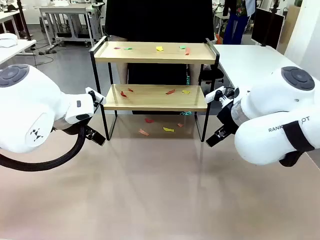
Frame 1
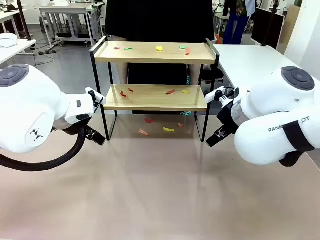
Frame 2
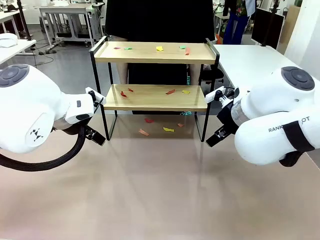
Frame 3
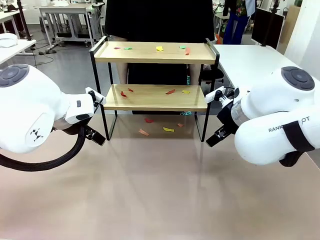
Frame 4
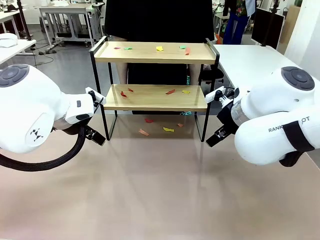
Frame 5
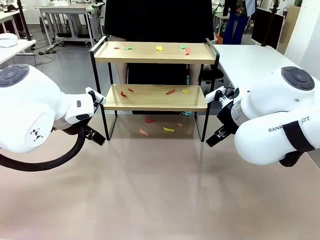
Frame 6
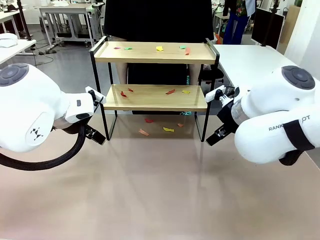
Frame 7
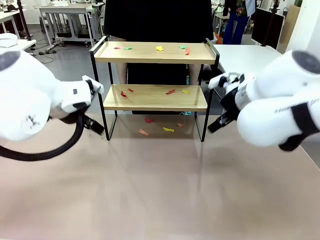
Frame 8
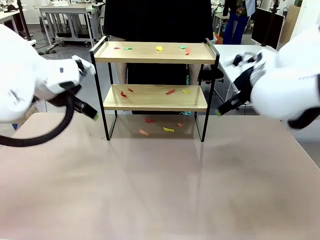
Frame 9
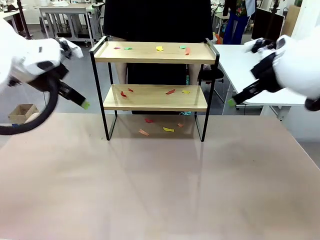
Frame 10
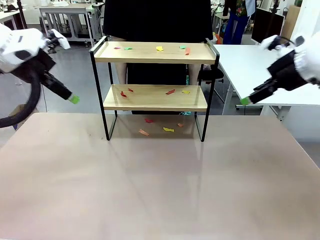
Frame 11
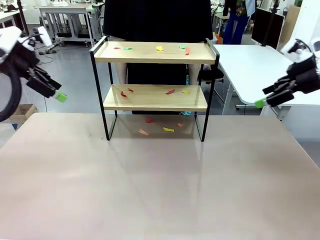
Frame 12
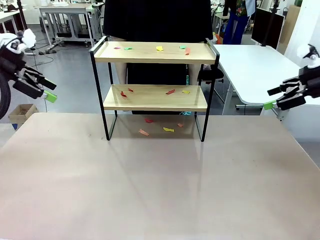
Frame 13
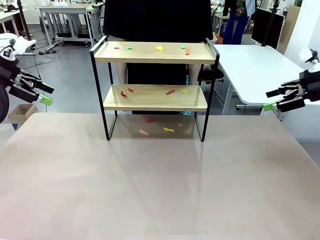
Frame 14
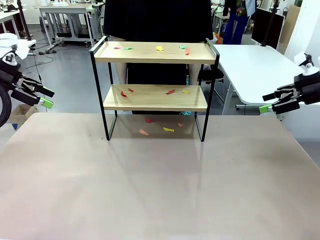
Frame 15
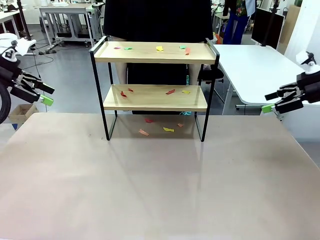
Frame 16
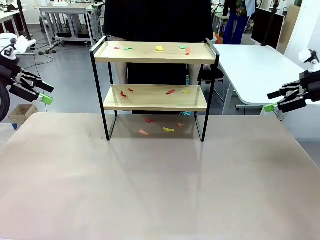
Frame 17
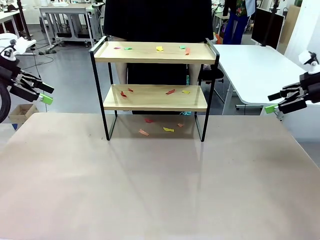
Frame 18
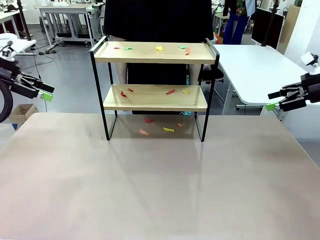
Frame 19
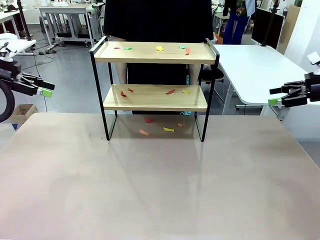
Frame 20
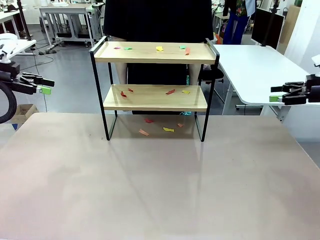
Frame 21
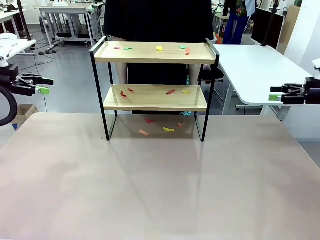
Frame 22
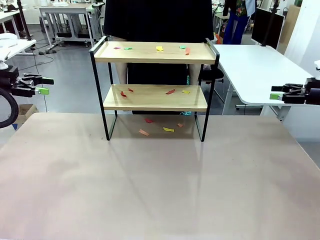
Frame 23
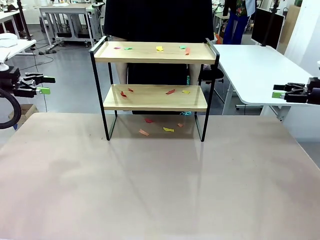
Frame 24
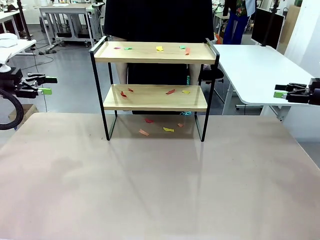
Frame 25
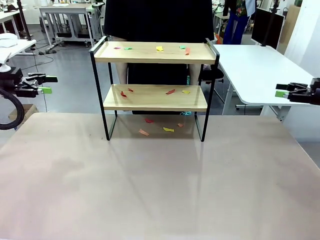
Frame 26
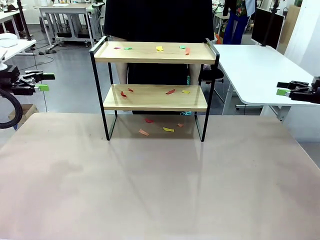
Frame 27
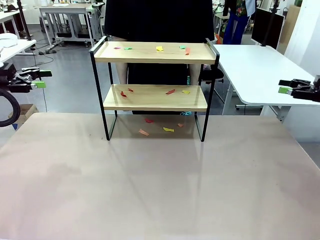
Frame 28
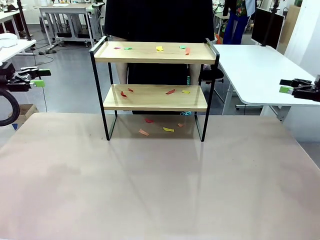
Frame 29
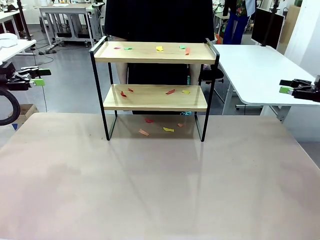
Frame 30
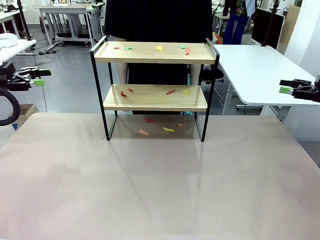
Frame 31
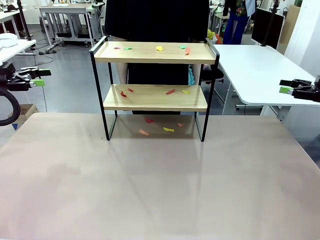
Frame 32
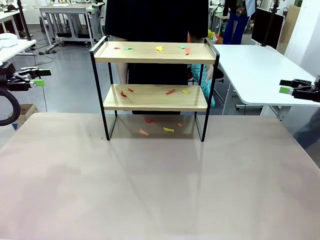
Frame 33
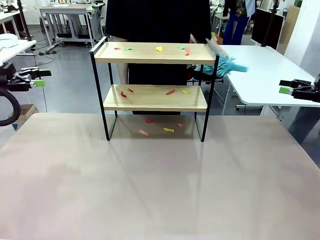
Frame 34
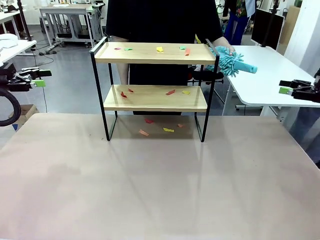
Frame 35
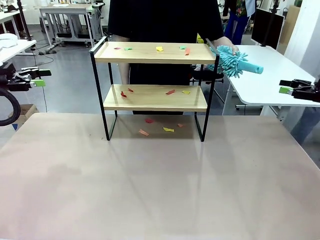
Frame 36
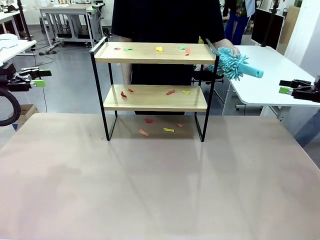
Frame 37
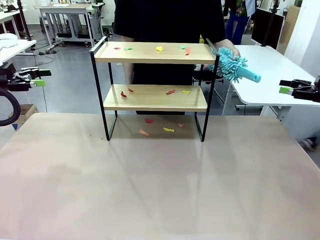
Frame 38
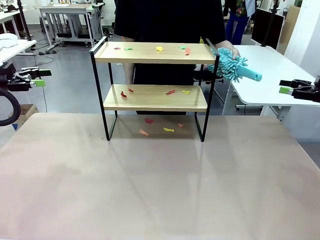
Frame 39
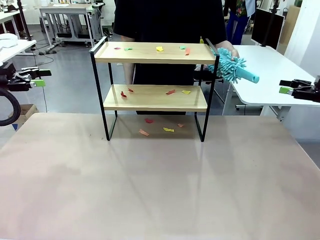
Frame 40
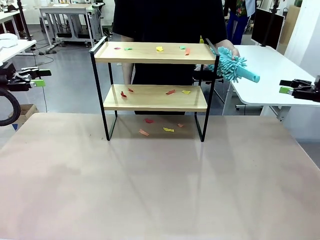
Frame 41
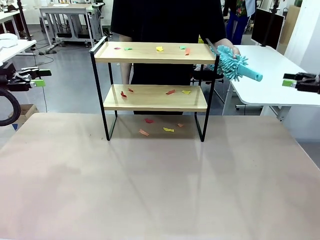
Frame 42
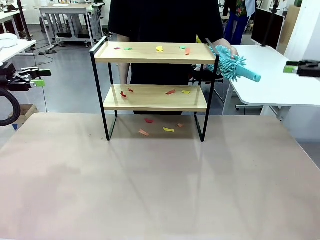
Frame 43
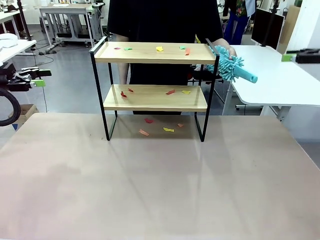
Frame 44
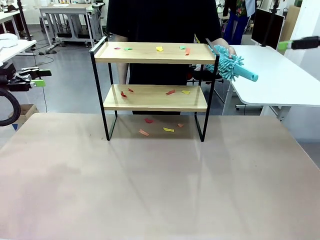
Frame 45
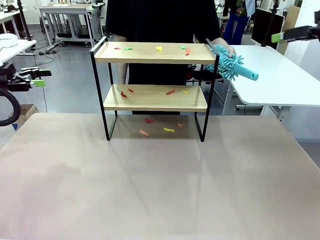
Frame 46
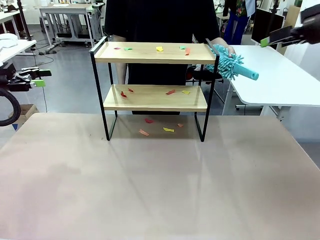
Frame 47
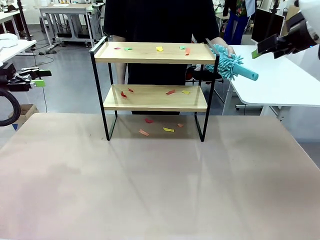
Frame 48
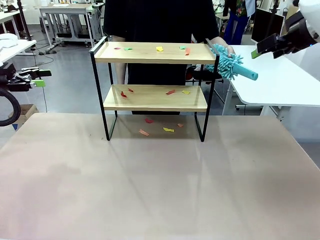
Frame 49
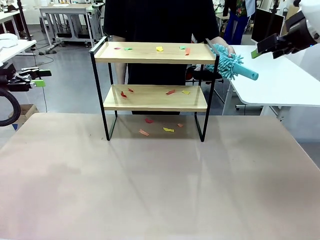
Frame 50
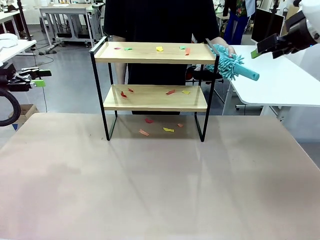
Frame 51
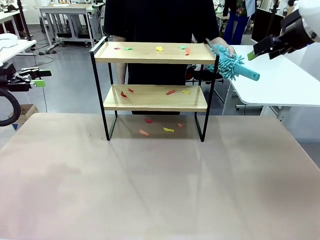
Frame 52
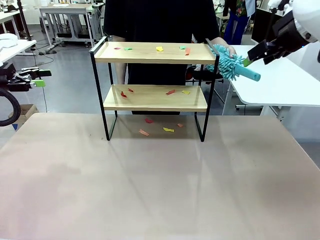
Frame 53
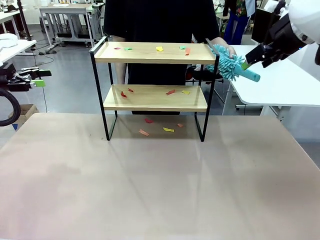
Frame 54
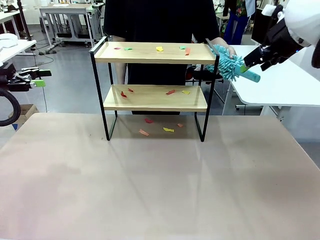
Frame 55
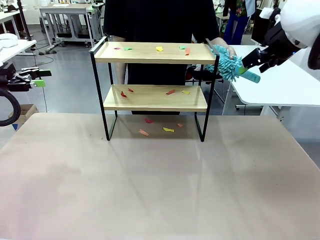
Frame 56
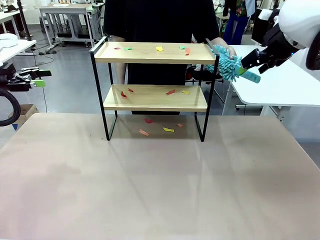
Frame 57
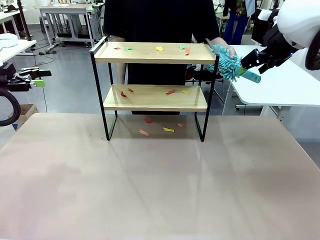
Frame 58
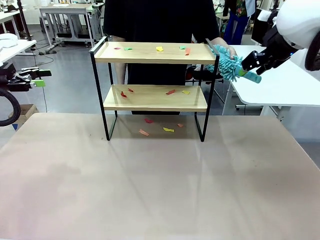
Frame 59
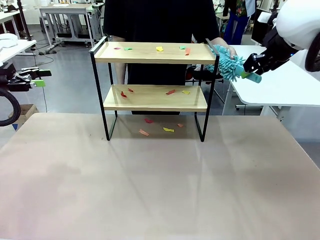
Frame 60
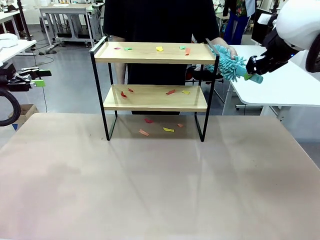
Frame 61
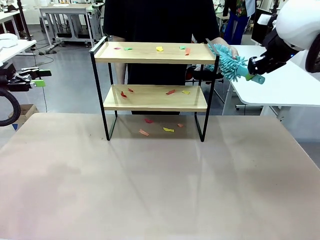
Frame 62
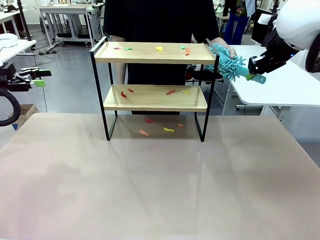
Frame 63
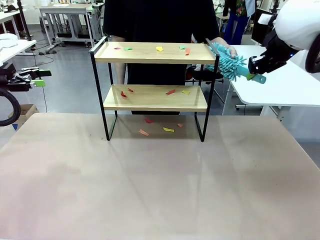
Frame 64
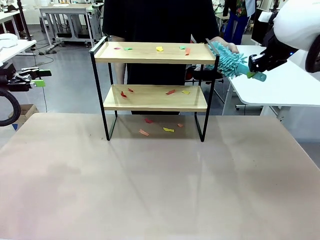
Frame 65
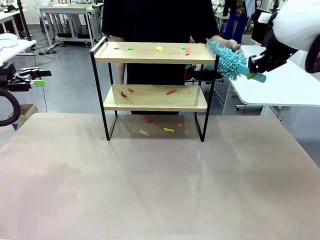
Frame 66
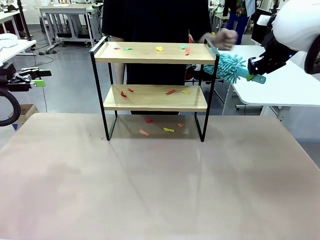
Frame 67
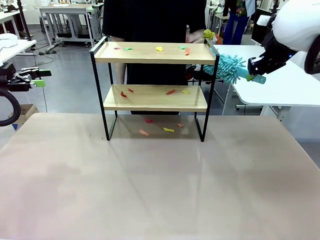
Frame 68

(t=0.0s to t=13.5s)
Task: Clean the shelf.
Robot: Pick up the Duster handed by the human.
Person: Hand the Duster to the robot.

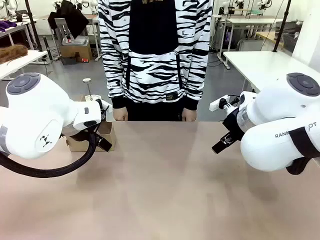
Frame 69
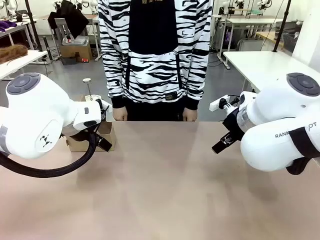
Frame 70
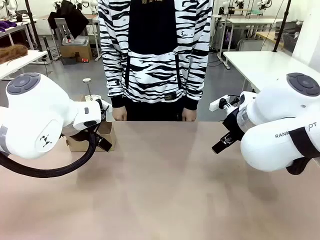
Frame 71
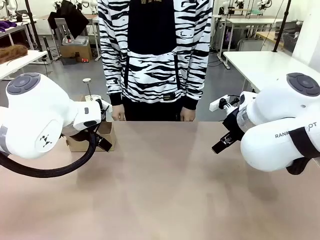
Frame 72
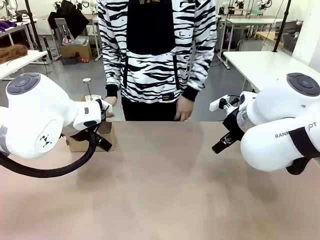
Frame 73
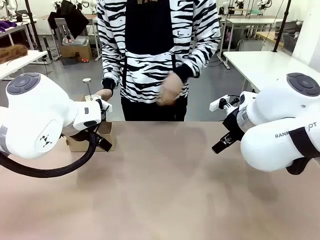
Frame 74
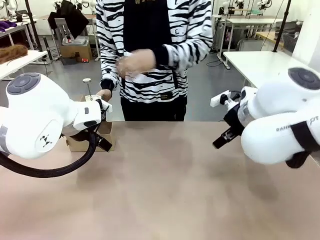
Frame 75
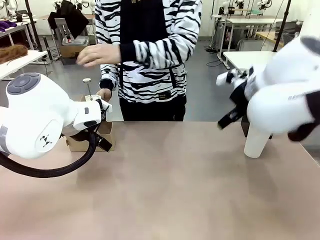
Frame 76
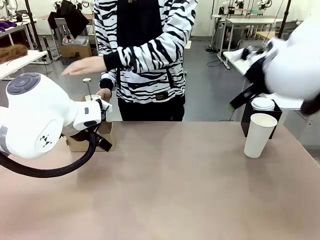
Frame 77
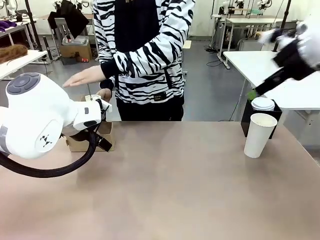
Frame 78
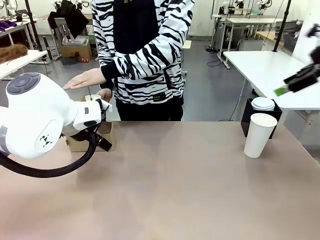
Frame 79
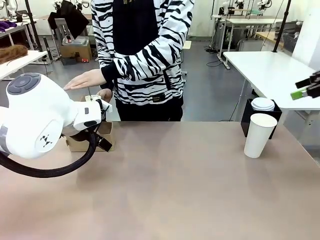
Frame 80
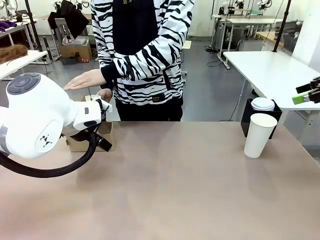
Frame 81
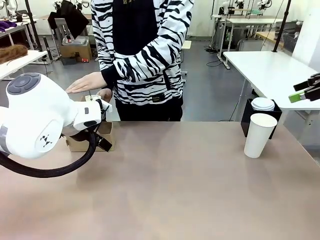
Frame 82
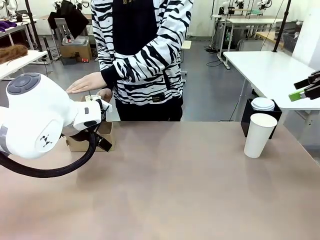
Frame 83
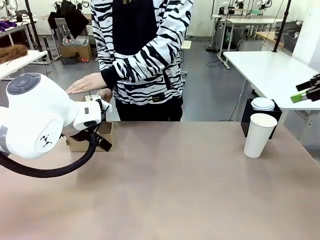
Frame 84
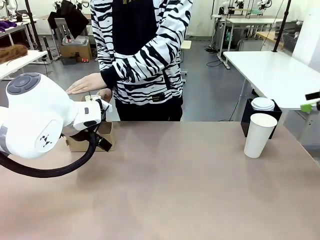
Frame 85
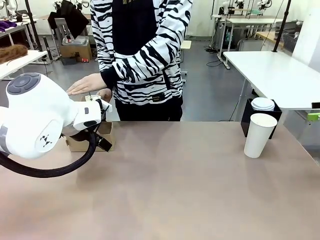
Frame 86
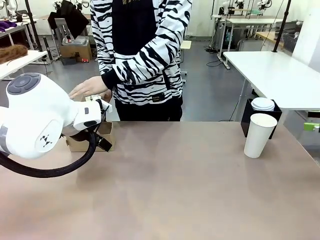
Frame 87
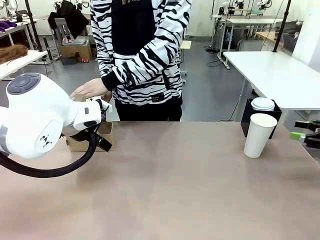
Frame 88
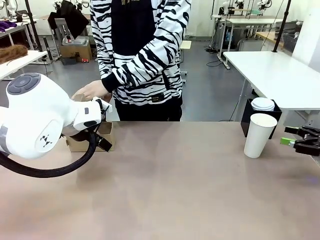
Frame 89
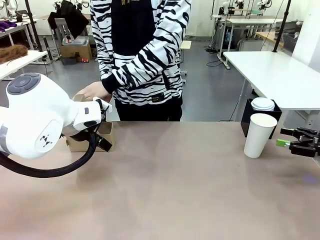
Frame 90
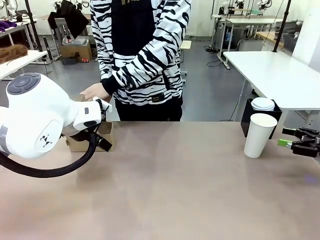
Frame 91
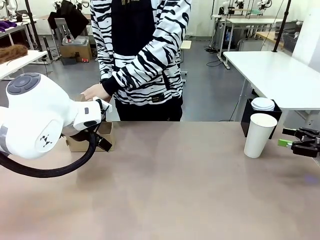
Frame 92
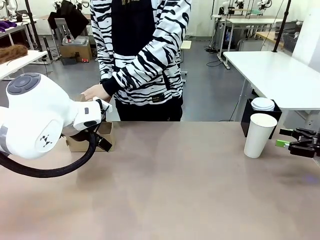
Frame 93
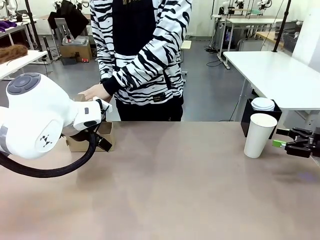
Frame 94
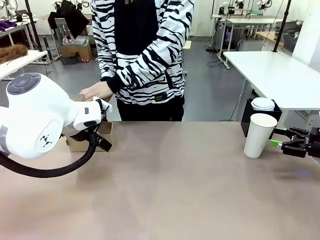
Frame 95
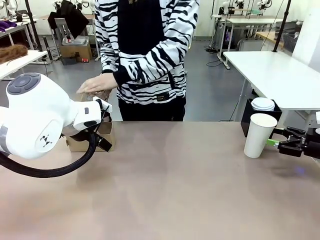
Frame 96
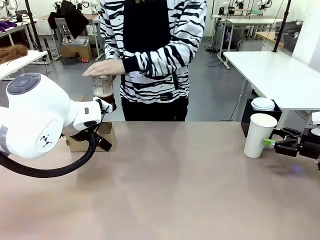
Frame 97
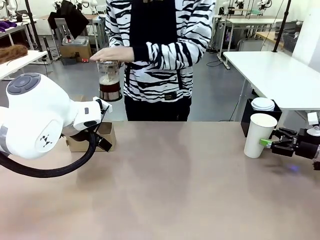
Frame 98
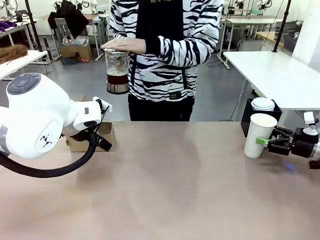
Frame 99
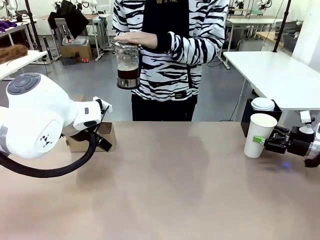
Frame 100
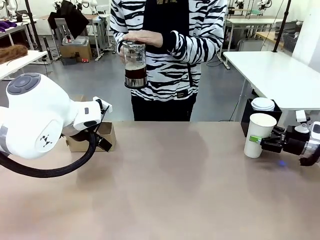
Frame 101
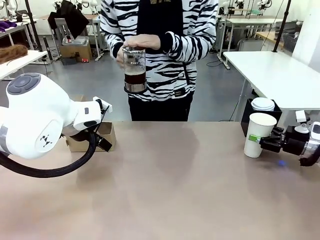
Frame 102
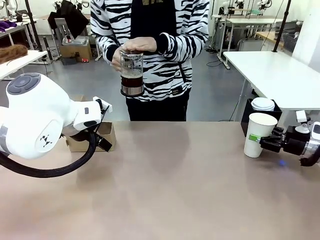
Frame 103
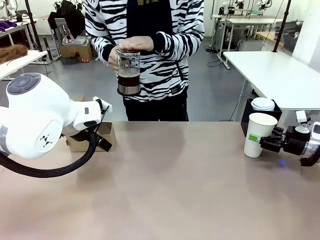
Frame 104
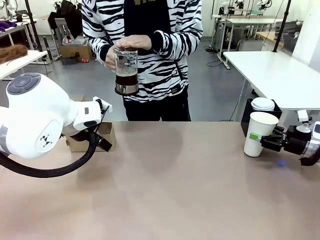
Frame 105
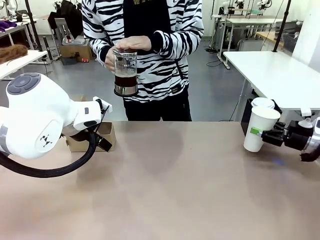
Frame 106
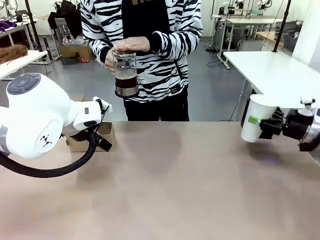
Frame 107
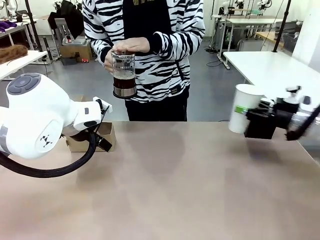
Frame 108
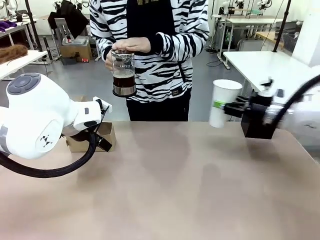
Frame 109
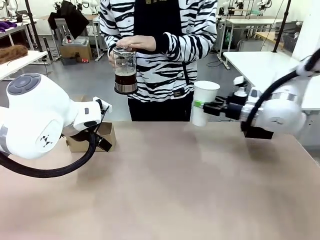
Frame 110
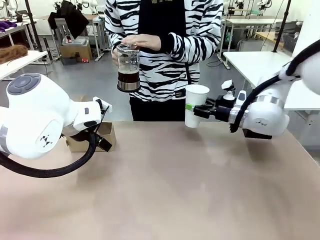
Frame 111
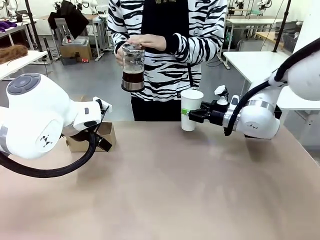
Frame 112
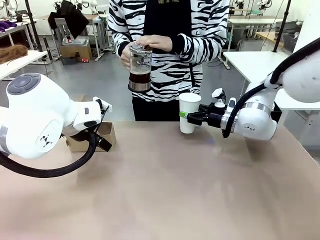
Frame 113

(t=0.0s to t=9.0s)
Task: Pour a drink into a cup and package it in a carrier.
Robot: Pick up the 600 ml Paper Cup and place it in the middle top area of the table.
Person: Press and pick up the Filter Brewing.
